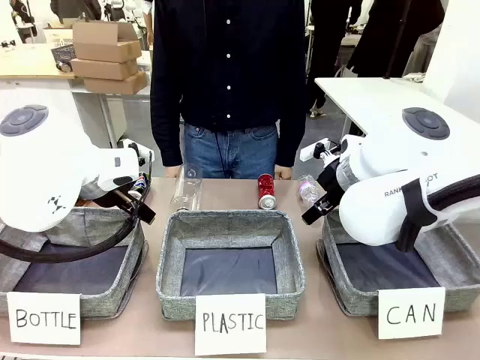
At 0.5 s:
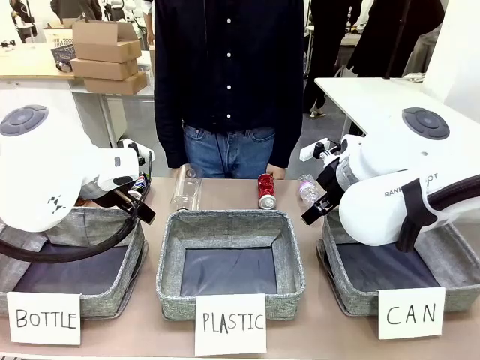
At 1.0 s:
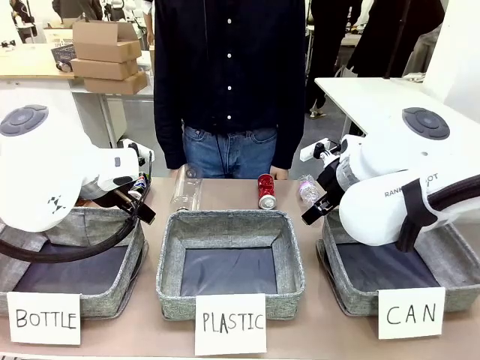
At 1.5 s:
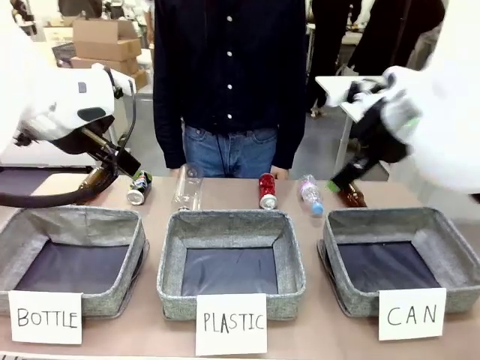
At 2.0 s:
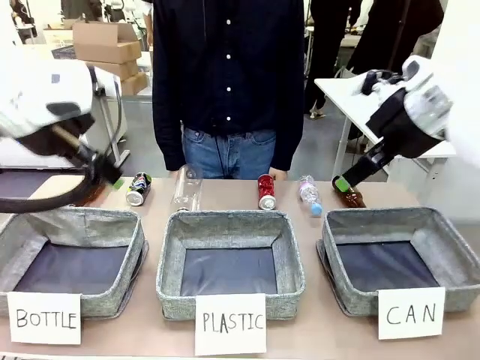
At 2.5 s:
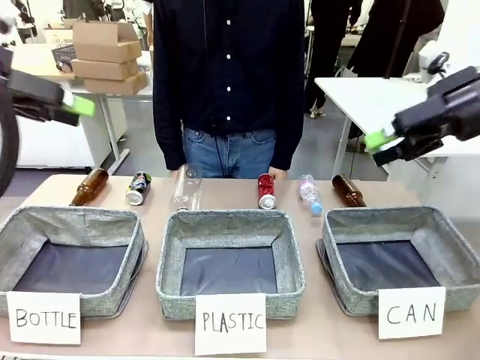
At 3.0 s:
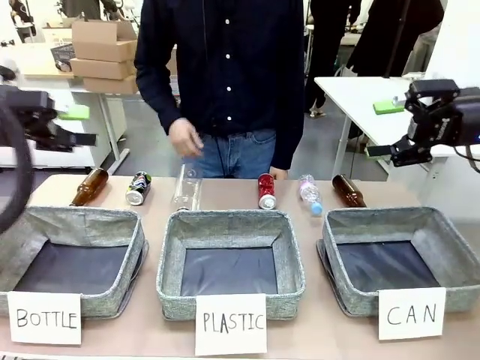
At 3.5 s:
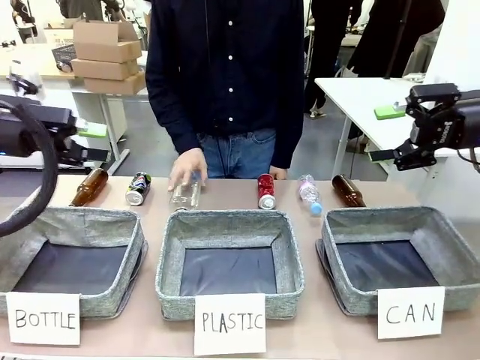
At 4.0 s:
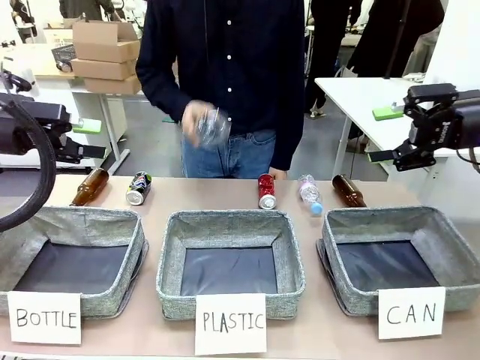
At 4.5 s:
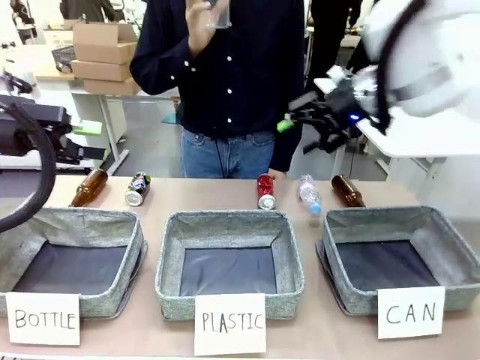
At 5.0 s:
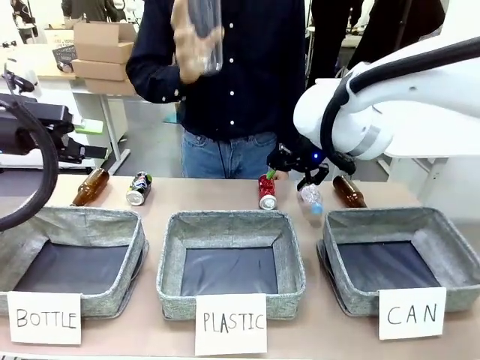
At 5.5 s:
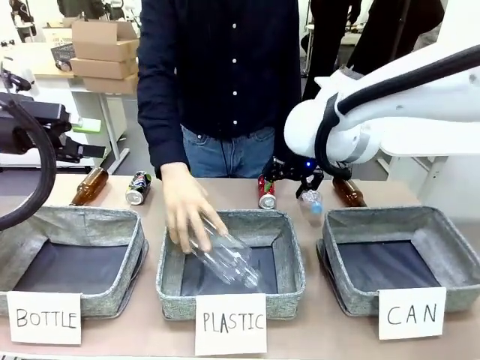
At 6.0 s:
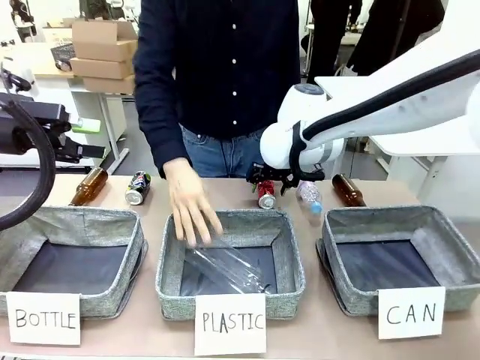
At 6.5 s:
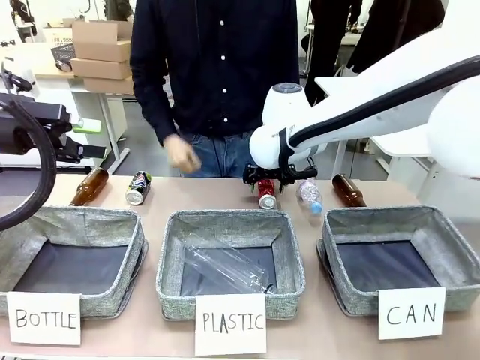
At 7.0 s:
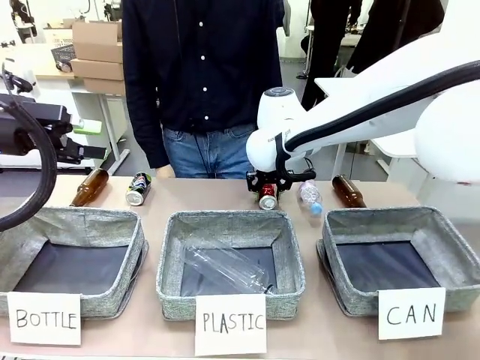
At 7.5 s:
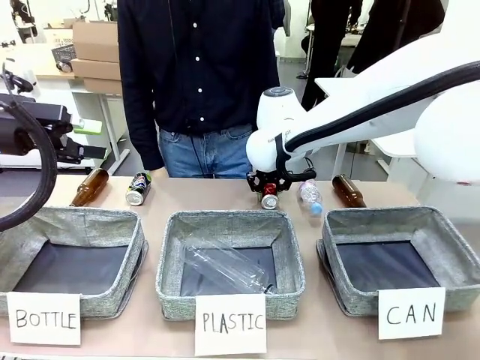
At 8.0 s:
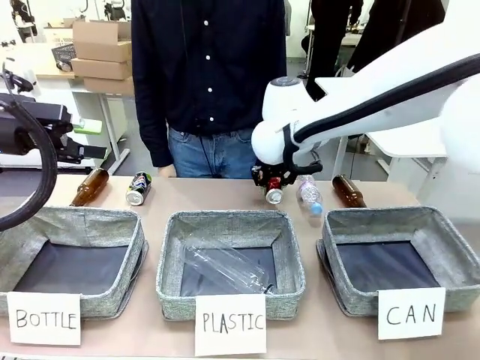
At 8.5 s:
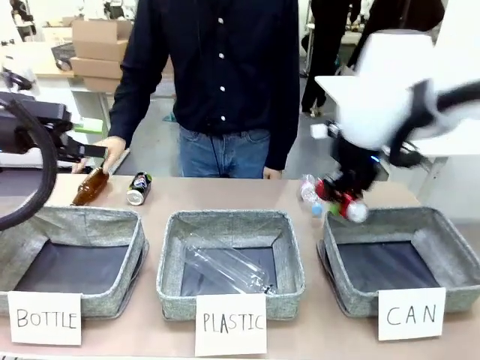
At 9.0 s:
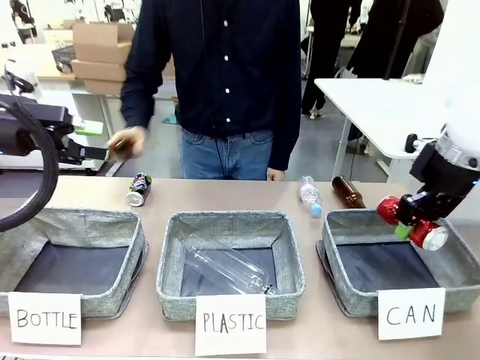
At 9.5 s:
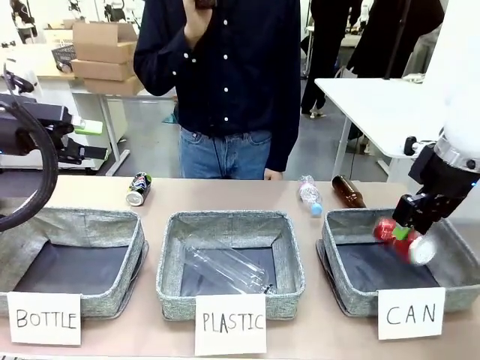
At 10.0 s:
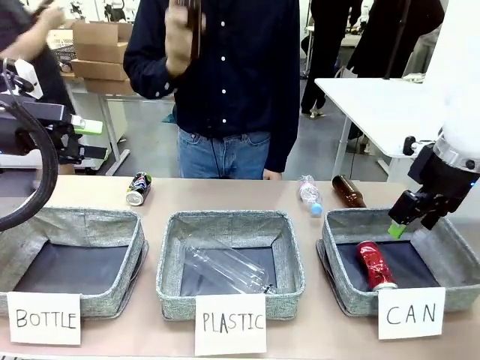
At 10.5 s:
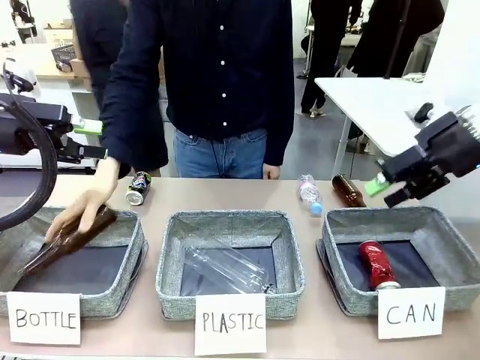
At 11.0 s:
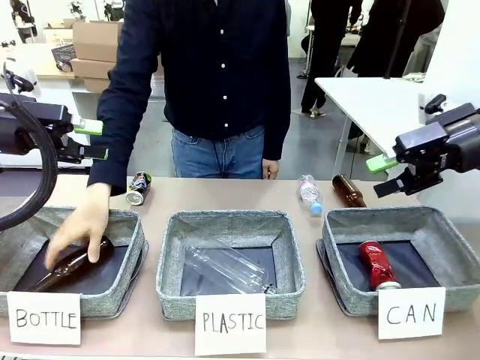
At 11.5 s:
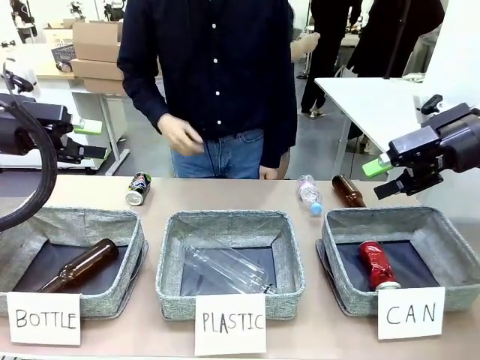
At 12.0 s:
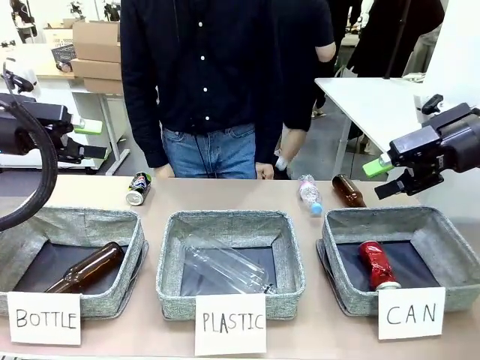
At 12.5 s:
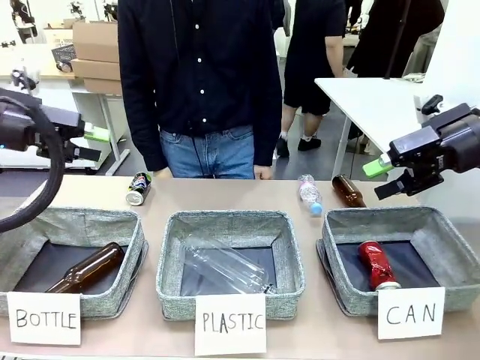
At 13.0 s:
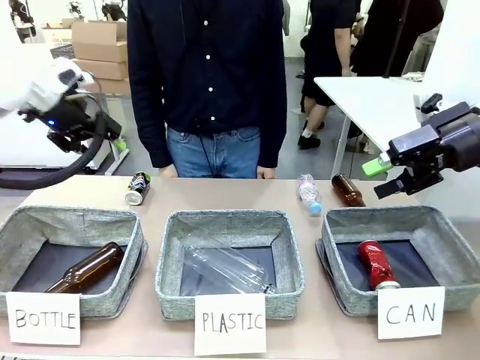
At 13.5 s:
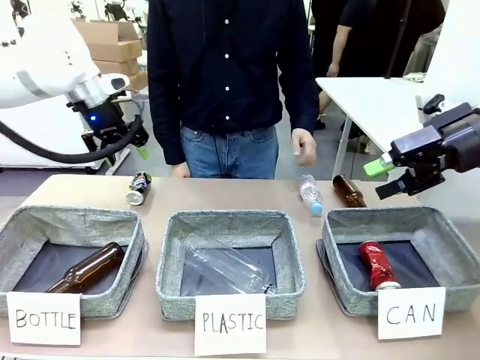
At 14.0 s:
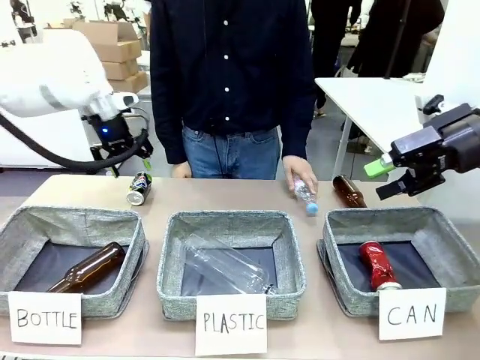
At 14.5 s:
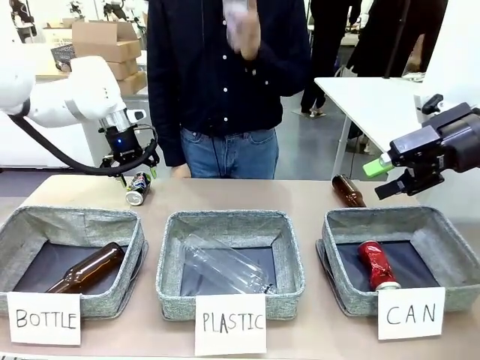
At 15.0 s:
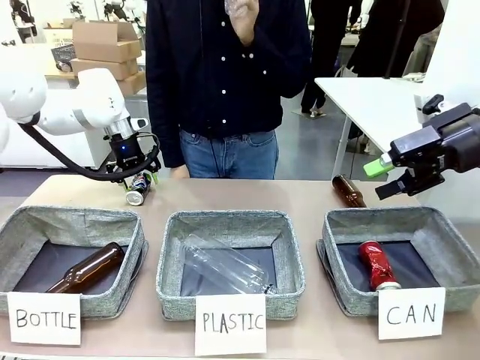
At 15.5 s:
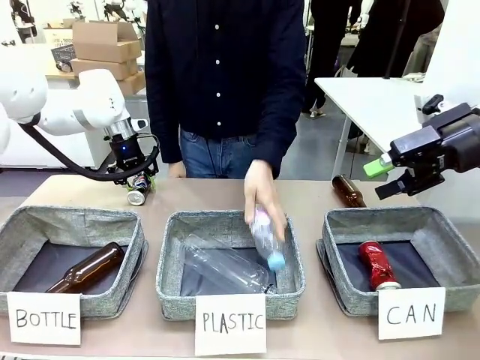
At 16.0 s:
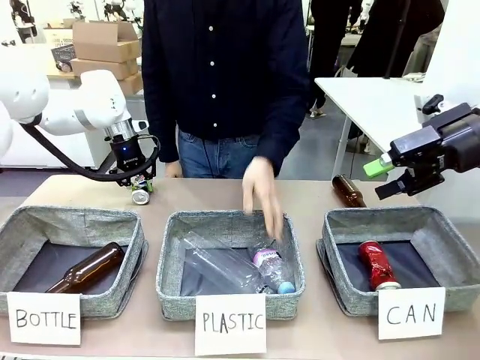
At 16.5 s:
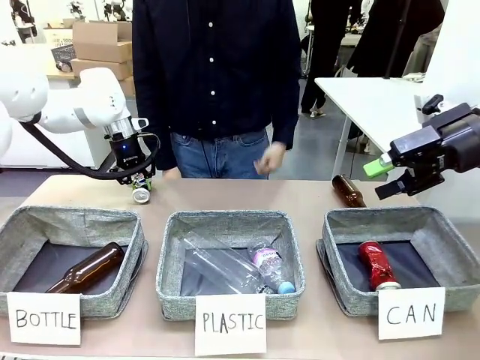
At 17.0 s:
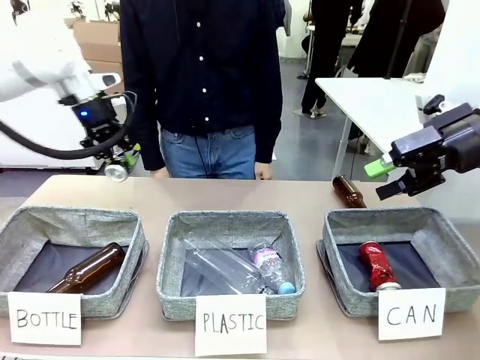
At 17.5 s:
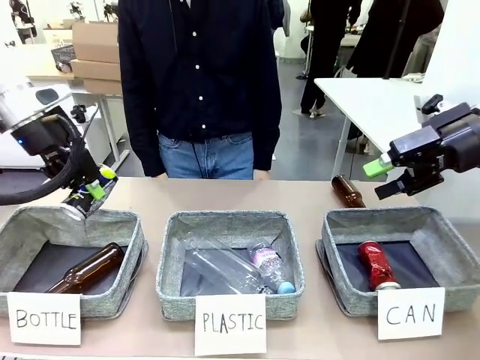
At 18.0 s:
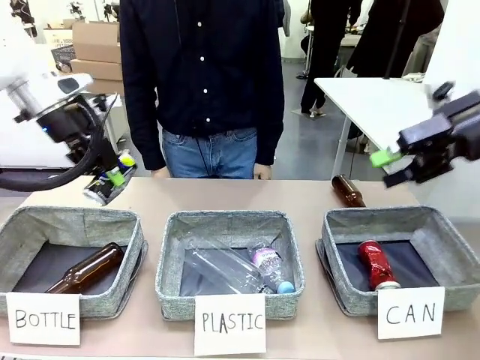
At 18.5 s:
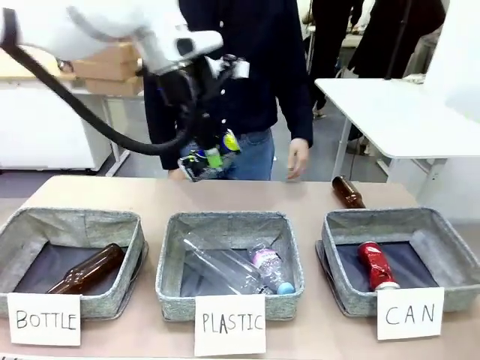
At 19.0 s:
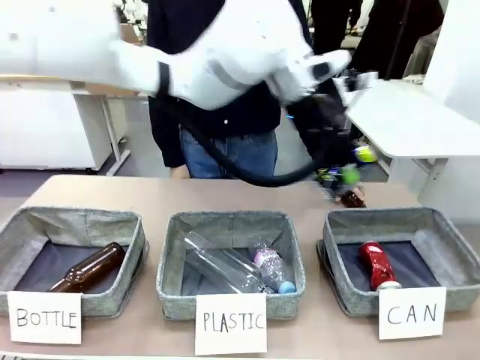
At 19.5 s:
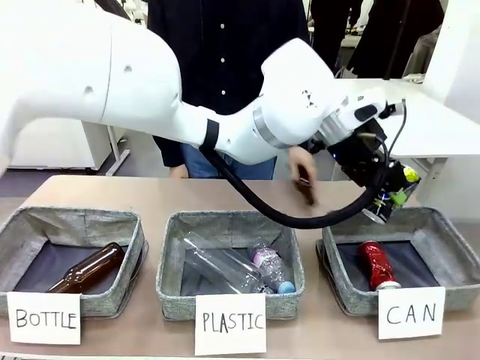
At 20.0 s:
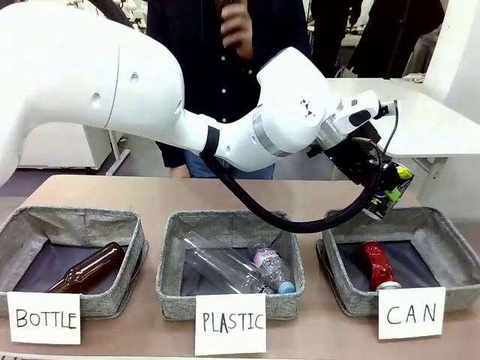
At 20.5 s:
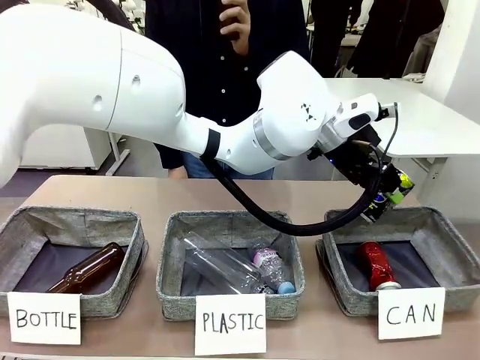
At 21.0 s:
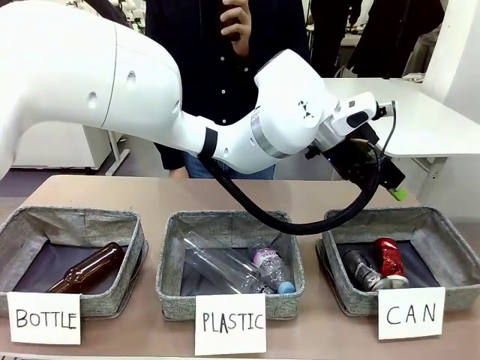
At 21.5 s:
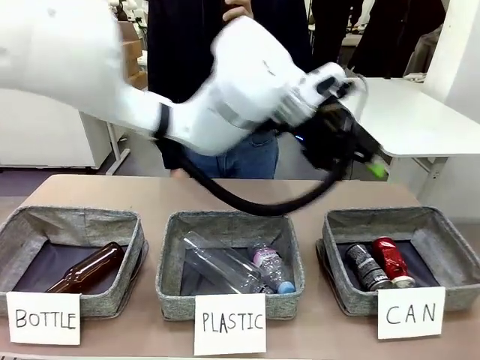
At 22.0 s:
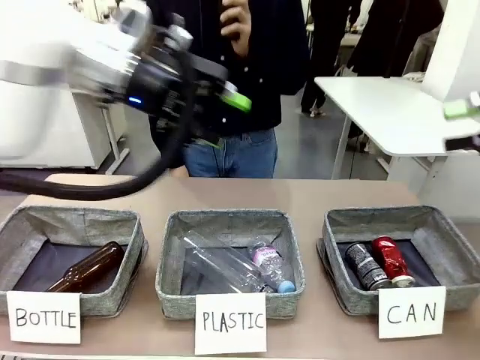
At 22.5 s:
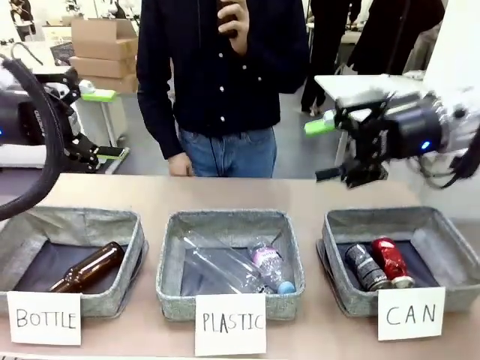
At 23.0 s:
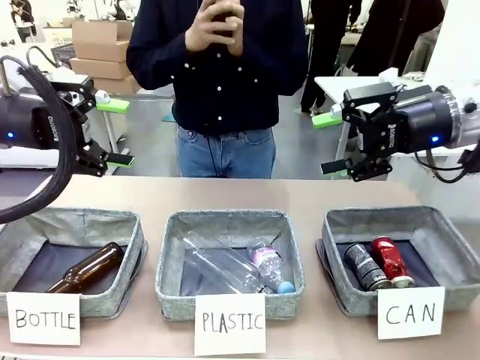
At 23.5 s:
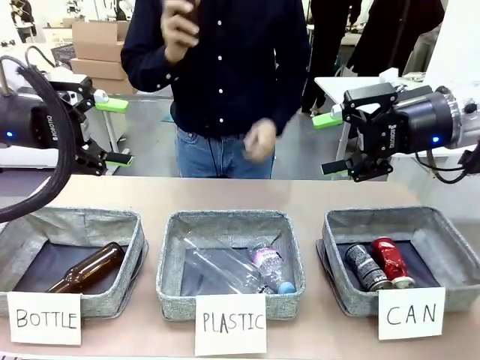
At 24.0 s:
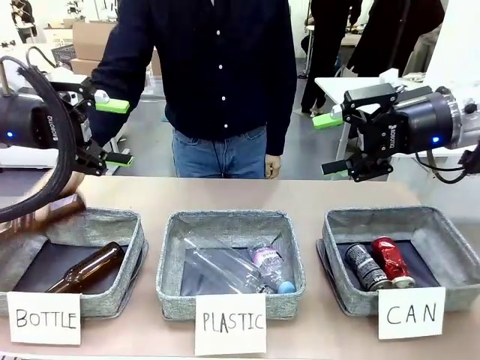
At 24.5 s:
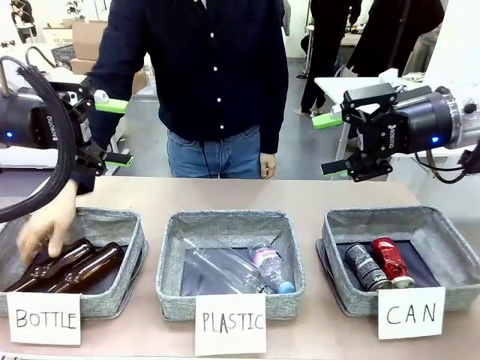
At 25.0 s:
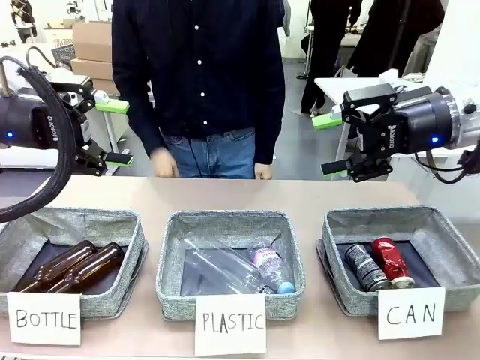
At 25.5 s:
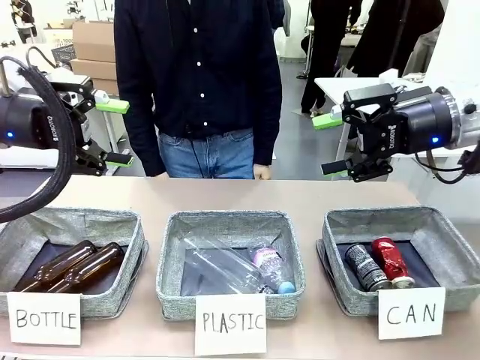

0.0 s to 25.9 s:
Task: Sort the can waste into the basket.
Robot: Pick up the can waste from the table and place it in the right Fabric basket.
Person: The human picks up one piece of trash that is not a can and places the trash into the appropriate organizing basket.
